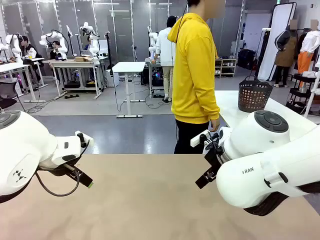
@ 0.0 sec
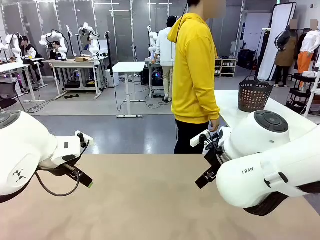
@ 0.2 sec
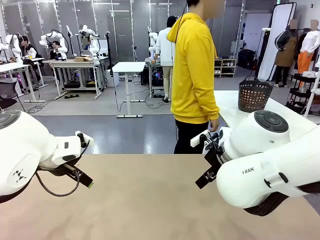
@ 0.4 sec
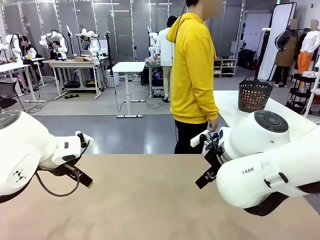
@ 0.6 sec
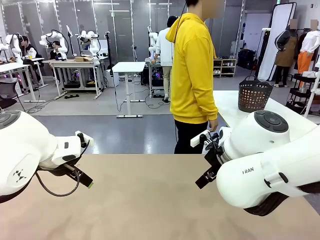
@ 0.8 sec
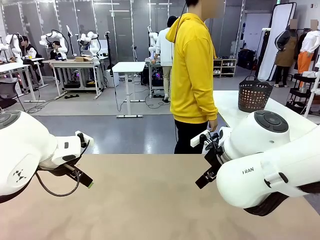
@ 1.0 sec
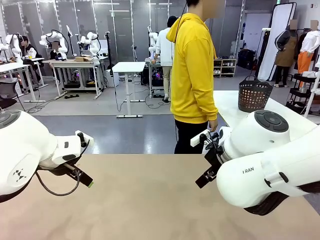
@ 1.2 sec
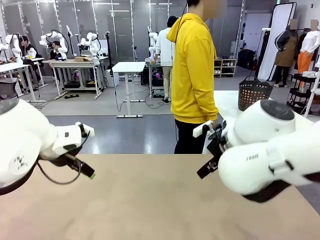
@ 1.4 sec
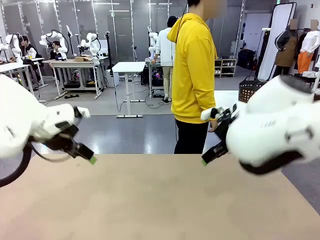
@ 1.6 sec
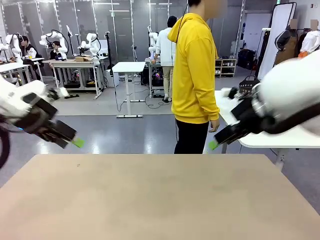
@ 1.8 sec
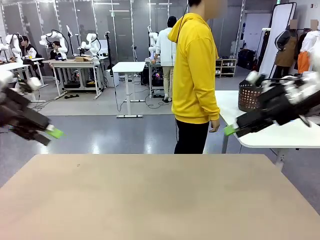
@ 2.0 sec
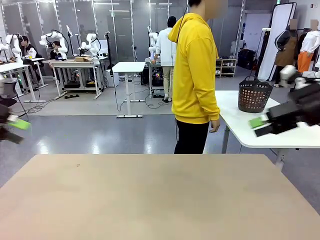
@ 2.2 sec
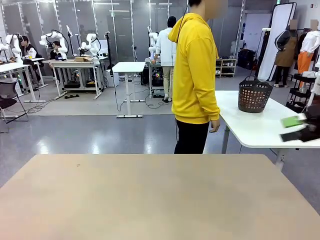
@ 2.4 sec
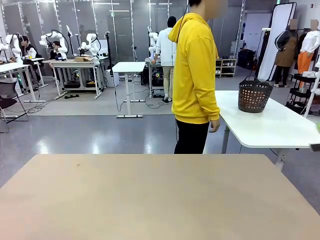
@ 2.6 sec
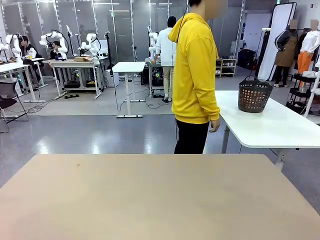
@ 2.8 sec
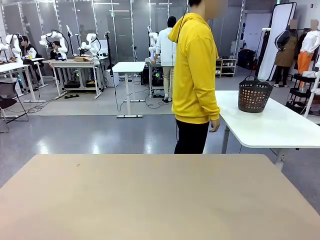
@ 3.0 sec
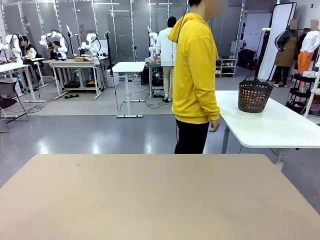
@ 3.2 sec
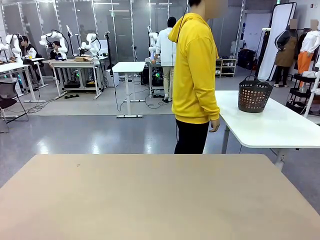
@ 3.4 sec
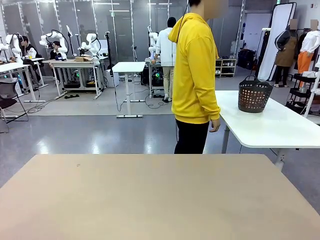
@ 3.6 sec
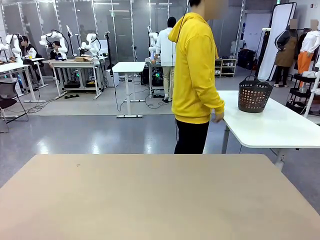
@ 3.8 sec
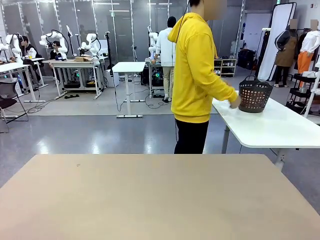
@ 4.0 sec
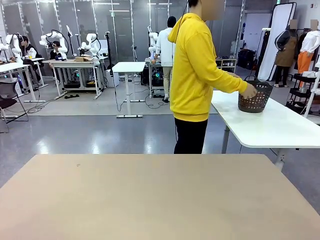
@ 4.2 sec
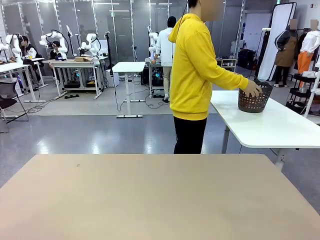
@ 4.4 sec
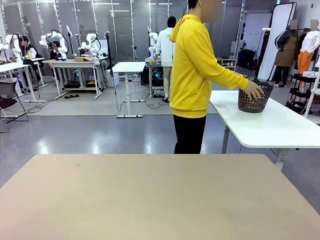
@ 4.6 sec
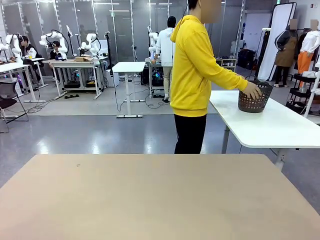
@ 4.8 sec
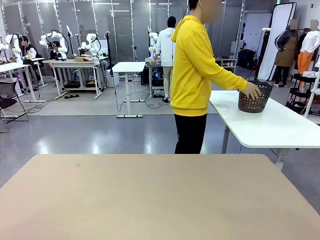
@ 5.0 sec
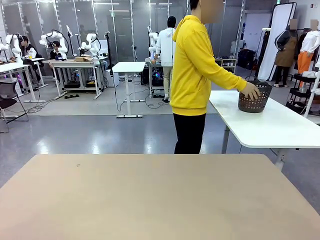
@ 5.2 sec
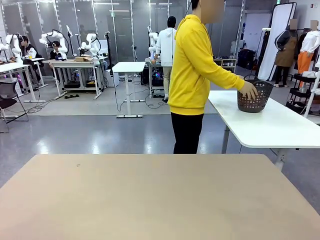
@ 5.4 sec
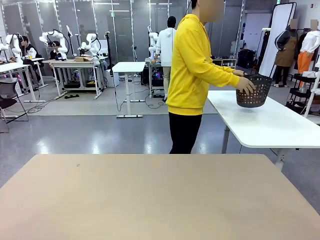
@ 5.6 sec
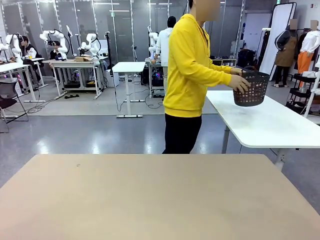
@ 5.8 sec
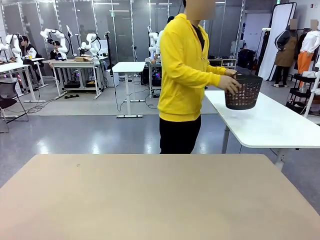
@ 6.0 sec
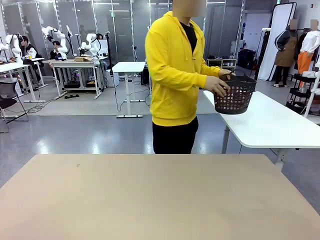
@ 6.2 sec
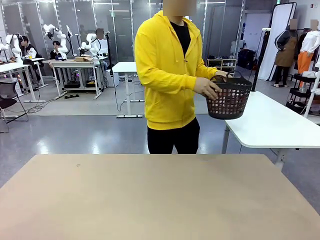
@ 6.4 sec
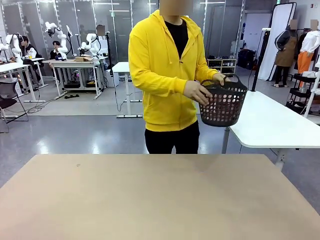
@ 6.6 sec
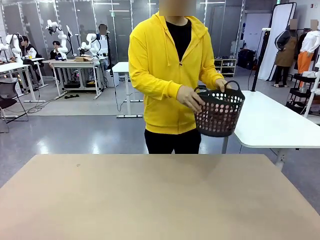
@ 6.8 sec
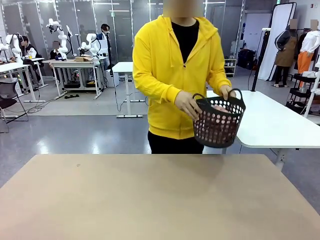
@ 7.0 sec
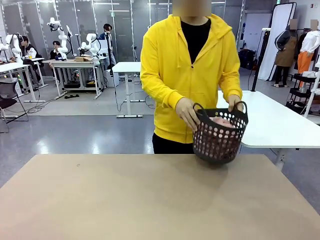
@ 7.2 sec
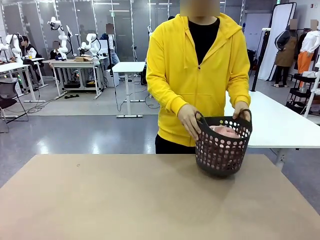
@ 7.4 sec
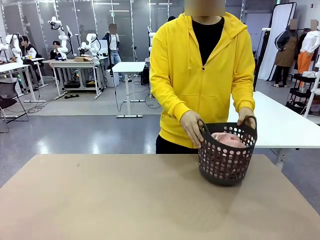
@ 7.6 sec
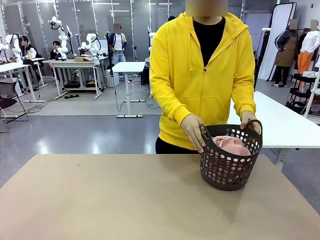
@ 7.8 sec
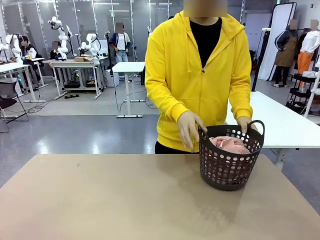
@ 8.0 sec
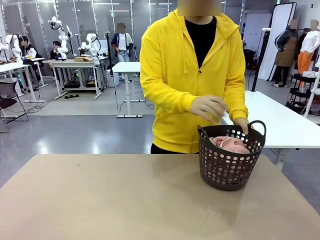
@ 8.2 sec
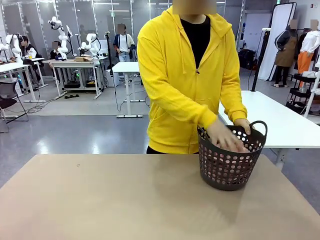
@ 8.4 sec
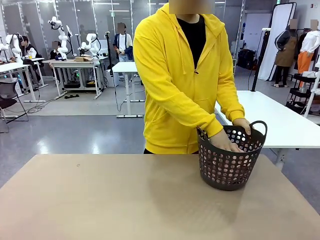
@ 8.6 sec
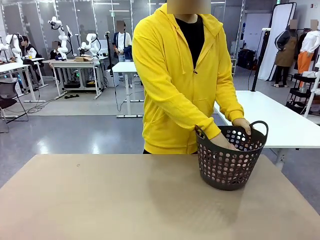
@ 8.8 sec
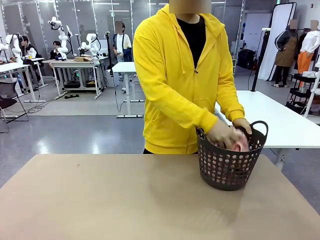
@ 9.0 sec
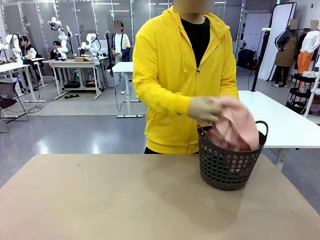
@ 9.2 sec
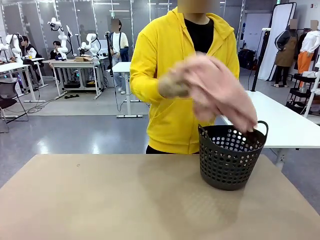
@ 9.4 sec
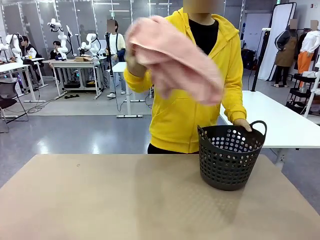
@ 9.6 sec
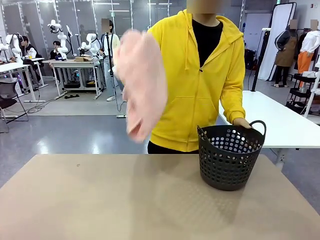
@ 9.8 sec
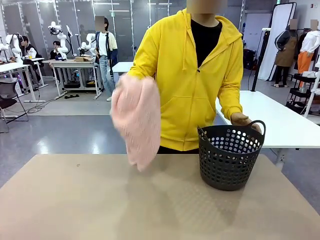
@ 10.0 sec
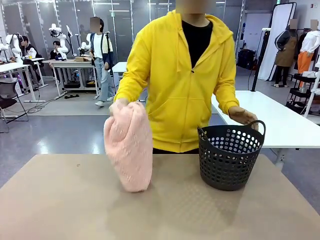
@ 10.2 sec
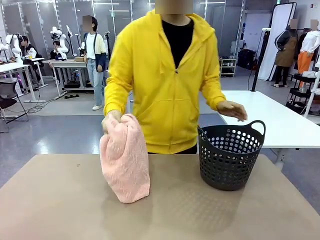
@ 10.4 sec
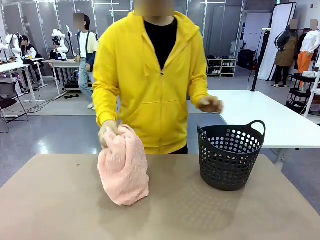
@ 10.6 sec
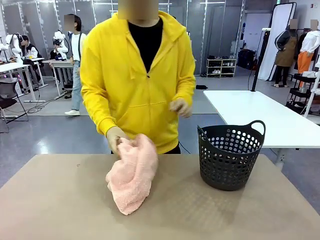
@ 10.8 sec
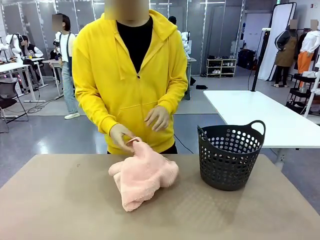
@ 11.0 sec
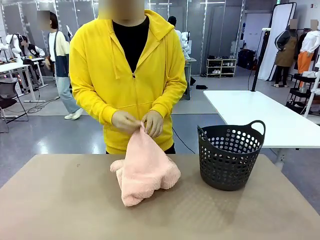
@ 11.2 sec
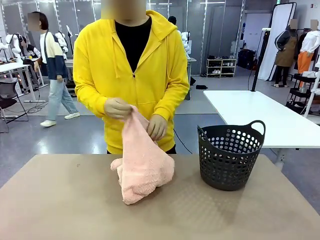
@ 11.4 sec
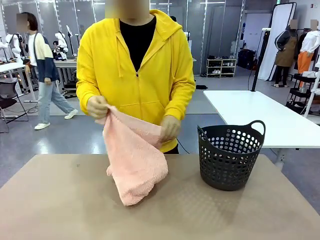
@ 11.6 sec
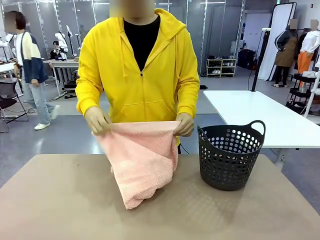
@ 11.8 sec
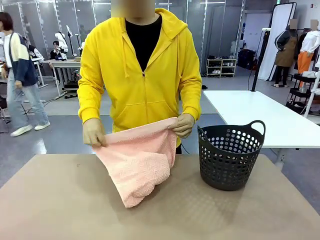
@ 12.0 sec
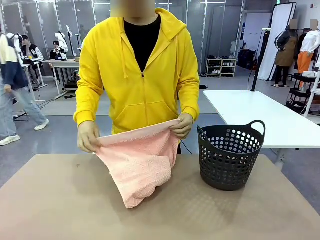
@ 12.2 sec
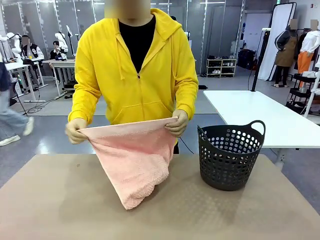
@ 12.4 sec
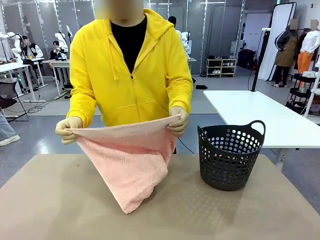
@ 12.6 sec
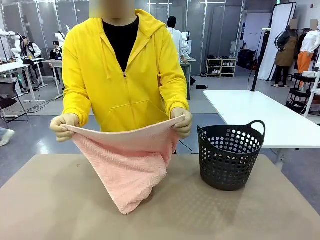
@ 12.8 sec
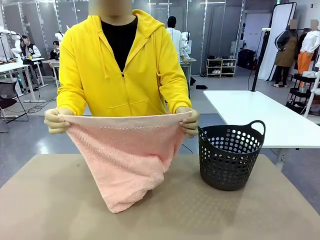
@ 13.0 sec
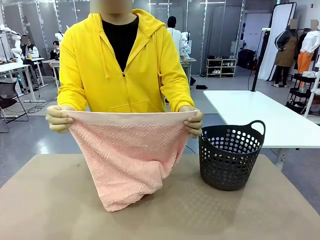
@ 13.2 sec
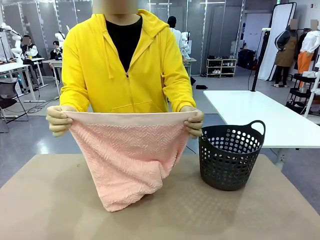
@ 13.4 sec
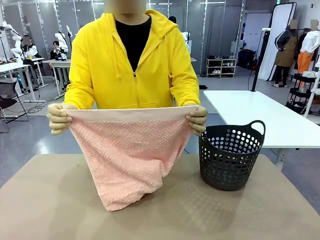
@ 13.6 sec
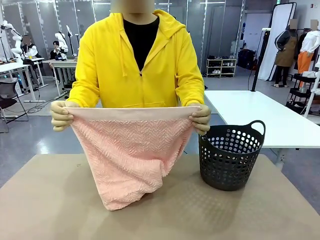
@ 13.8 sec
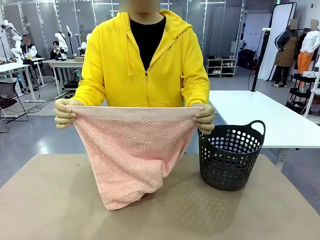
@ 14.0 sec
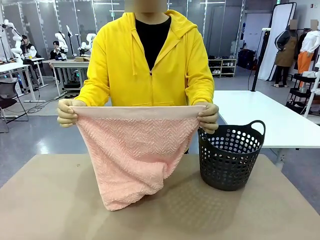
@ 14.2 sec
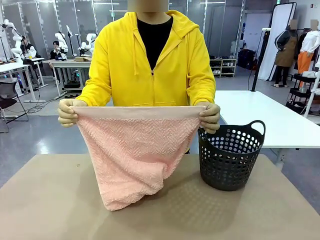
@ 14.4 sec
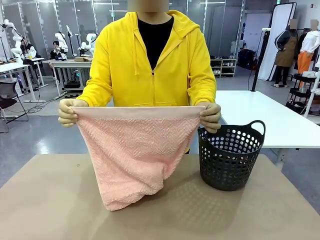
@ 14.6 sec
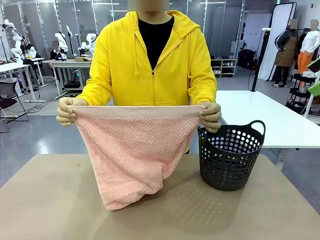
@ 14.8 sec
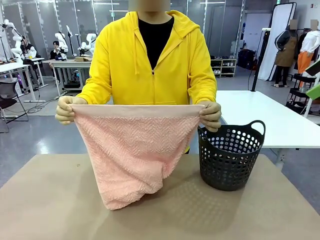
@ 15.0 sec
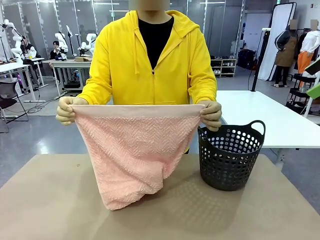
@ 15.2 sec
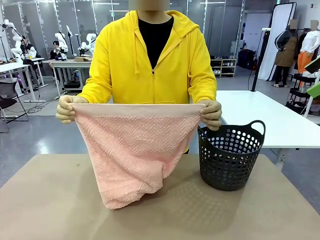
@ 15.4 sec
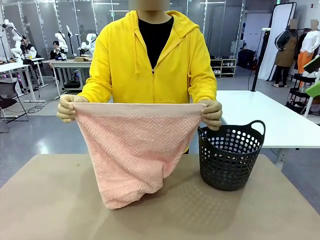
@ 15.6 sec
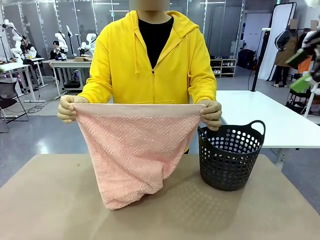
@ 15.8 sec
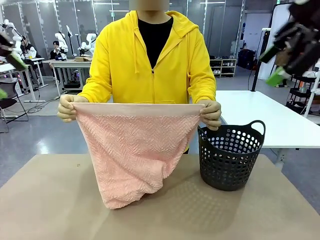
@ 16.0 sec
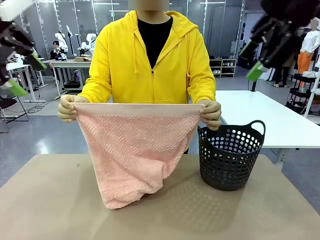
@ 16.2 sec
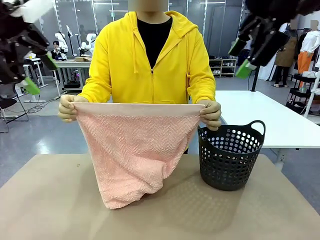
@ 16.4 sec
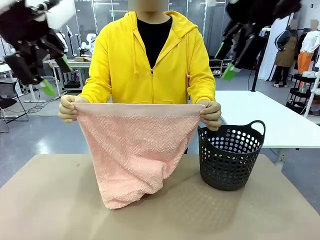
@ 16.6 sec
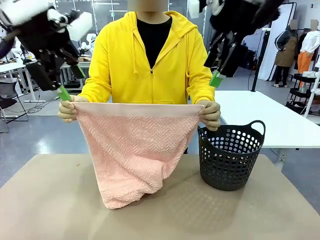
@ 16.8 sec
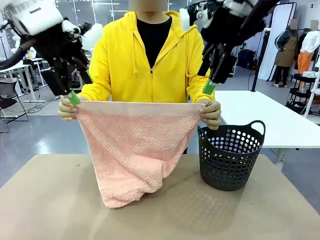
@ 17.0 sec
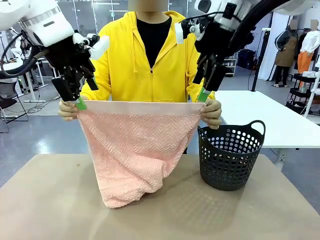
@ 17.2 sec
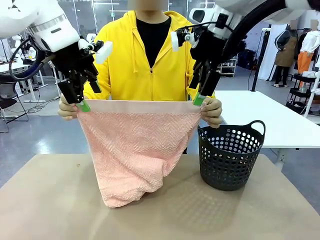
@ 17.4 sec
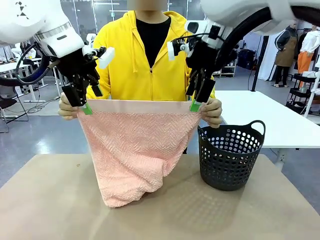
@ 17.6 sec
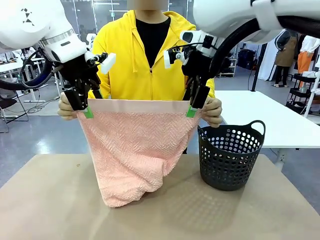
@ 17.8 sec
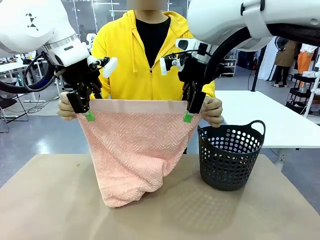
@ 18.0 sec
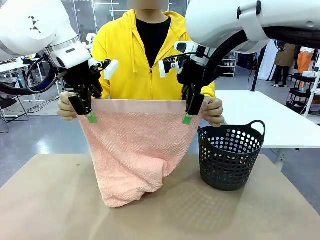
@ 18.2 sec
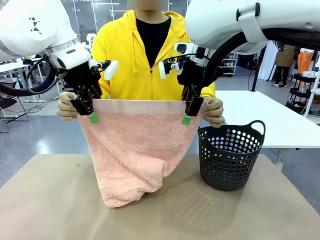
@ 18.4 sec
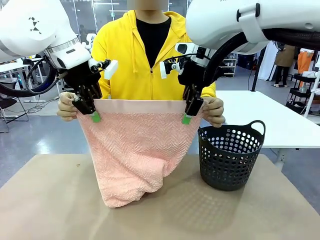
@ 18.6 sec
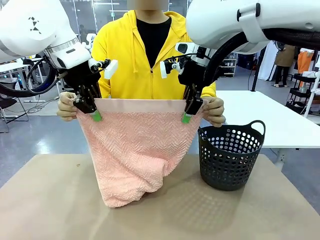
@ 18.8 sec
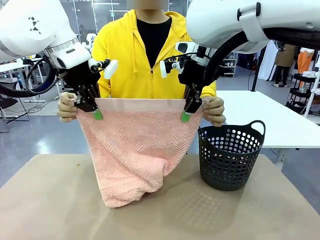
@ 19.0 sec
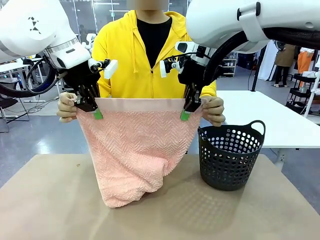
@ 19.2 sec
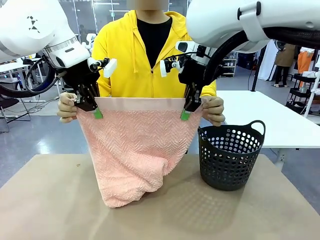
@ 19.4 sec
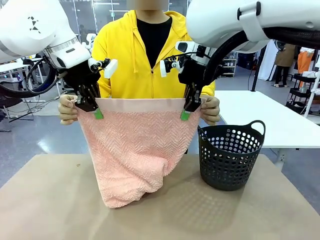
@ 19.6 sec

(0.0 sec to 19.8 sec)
Task: Fold the towel.
Robot: Grab the top end of the 100 cm Hotel Towel extended by the human.
Person: Pick up the laundry basket, place it on the left side of the robot table, then take out a towel and hand it to the robot while holding both corners of one end.
